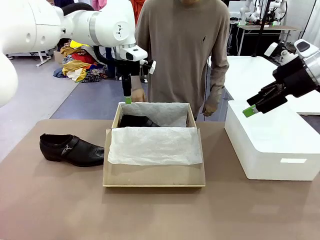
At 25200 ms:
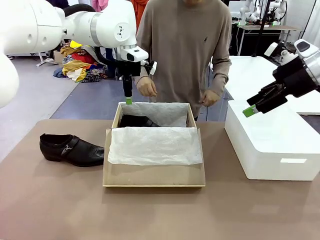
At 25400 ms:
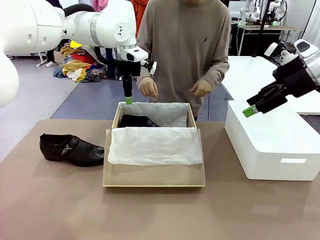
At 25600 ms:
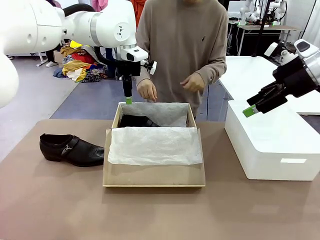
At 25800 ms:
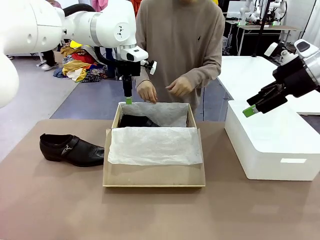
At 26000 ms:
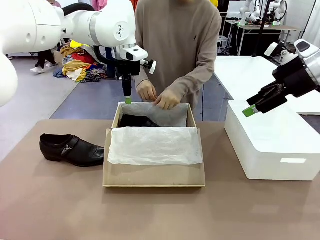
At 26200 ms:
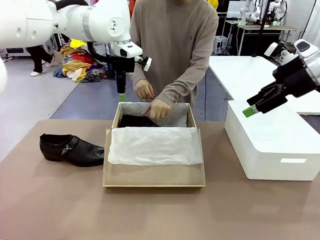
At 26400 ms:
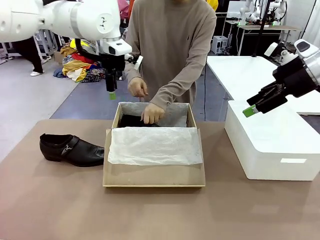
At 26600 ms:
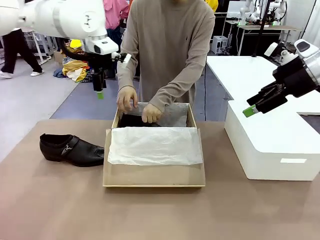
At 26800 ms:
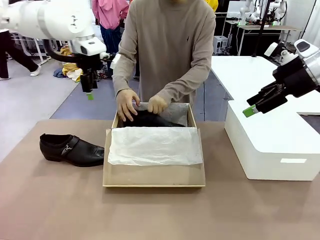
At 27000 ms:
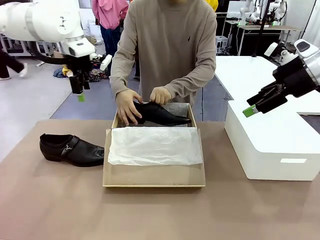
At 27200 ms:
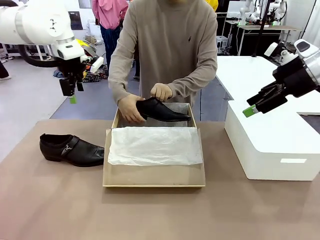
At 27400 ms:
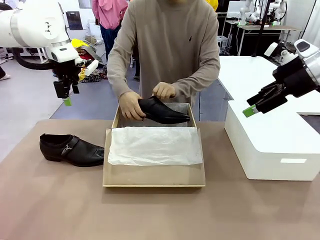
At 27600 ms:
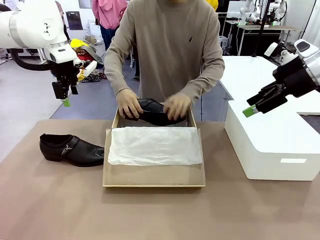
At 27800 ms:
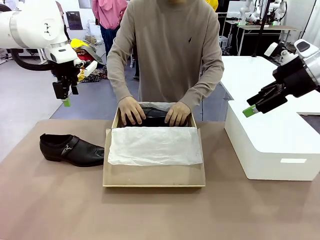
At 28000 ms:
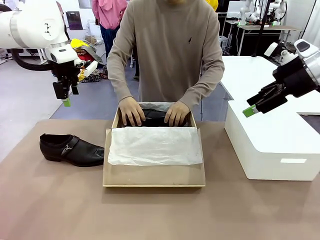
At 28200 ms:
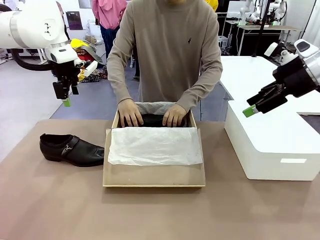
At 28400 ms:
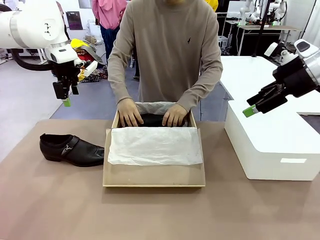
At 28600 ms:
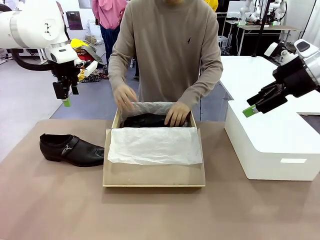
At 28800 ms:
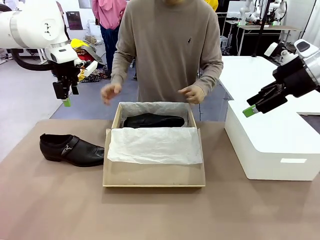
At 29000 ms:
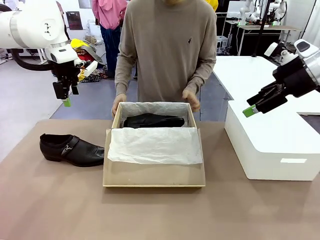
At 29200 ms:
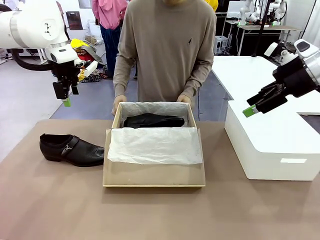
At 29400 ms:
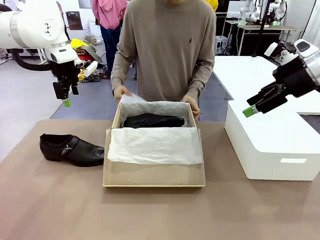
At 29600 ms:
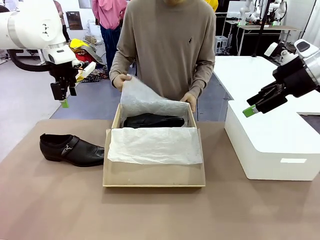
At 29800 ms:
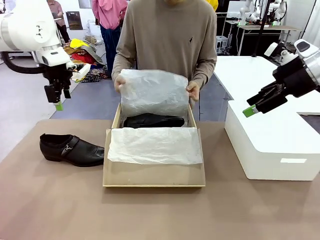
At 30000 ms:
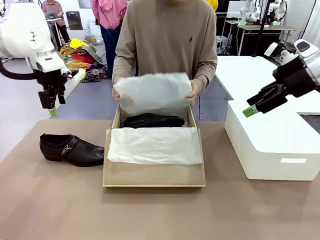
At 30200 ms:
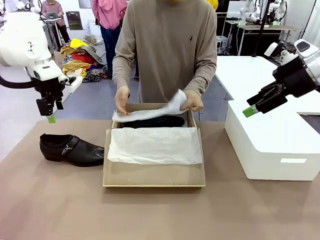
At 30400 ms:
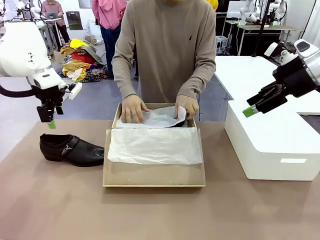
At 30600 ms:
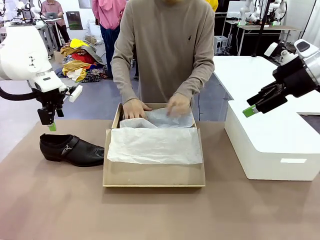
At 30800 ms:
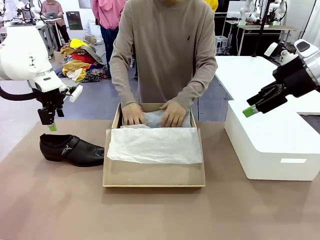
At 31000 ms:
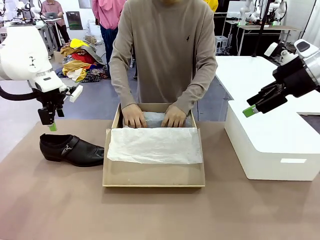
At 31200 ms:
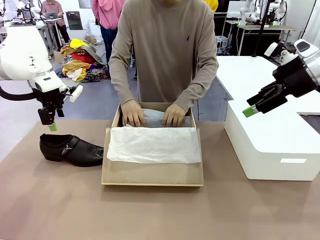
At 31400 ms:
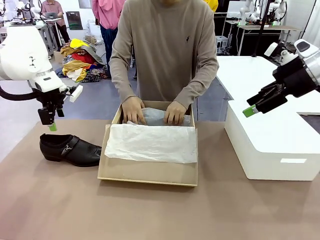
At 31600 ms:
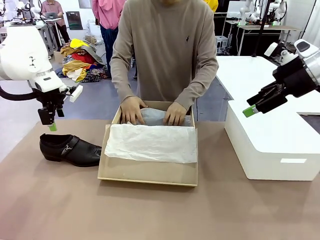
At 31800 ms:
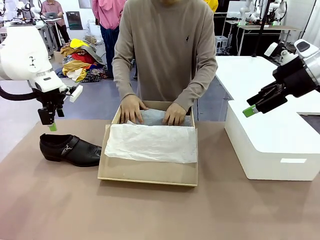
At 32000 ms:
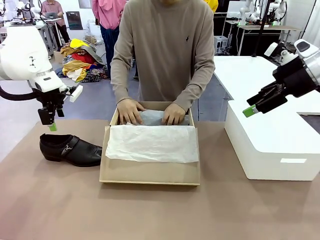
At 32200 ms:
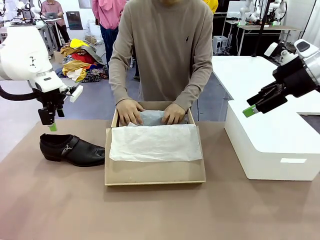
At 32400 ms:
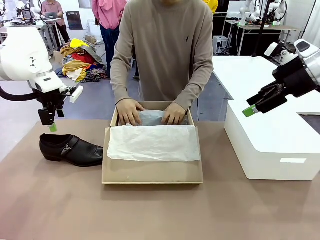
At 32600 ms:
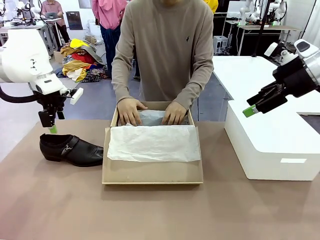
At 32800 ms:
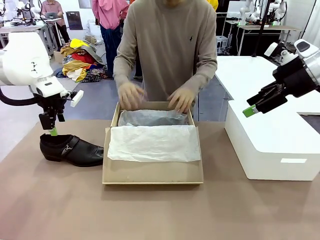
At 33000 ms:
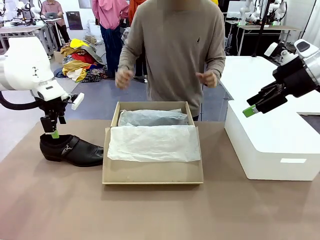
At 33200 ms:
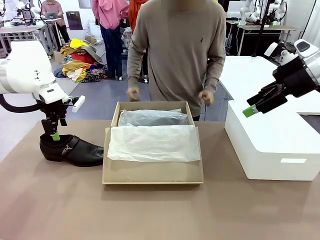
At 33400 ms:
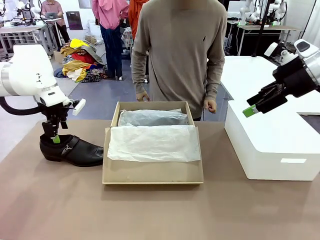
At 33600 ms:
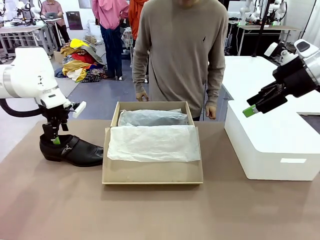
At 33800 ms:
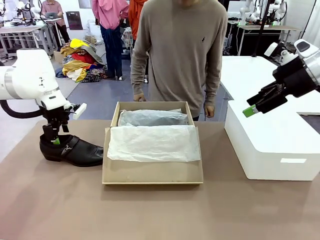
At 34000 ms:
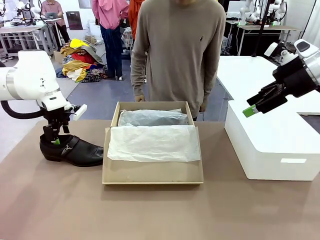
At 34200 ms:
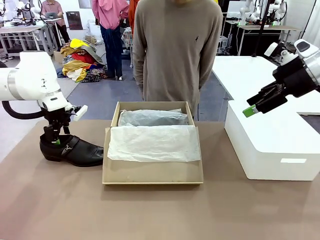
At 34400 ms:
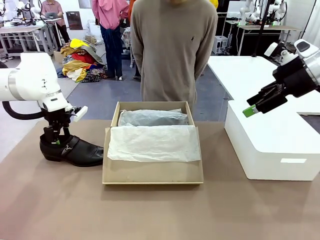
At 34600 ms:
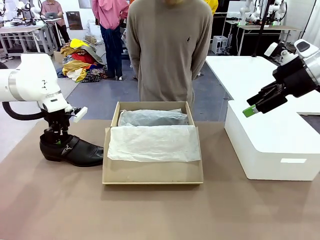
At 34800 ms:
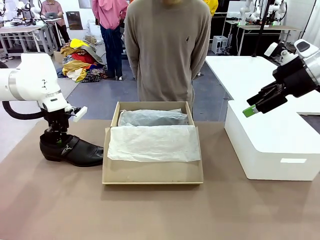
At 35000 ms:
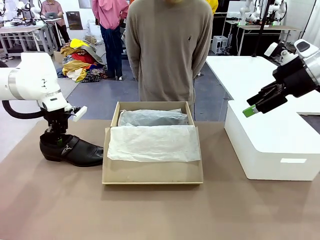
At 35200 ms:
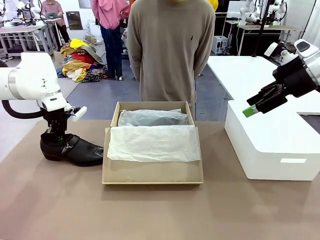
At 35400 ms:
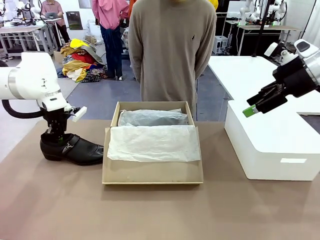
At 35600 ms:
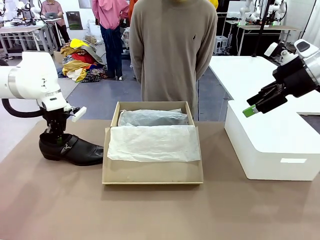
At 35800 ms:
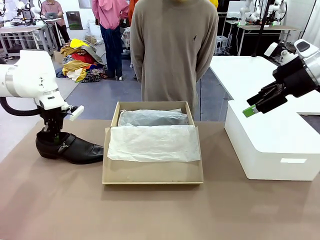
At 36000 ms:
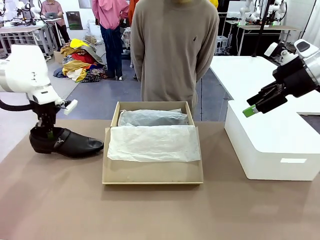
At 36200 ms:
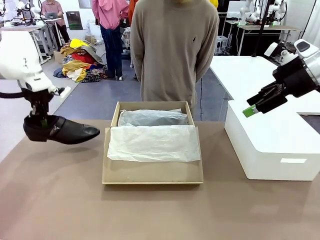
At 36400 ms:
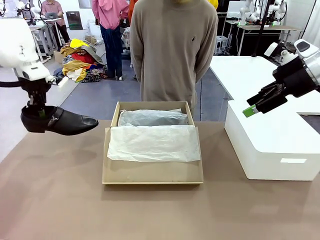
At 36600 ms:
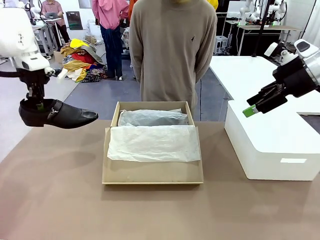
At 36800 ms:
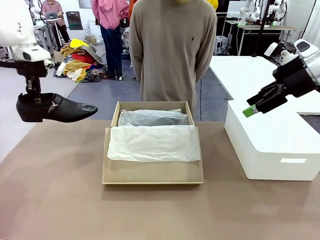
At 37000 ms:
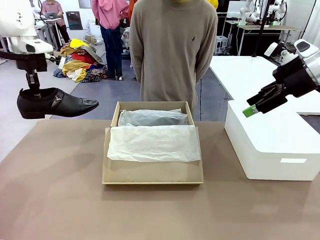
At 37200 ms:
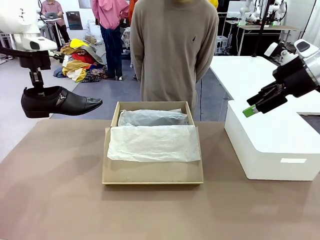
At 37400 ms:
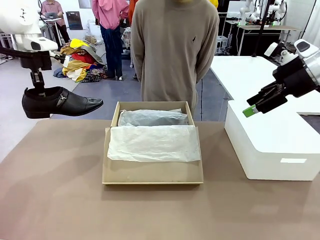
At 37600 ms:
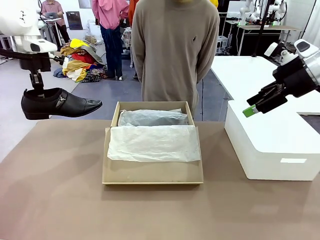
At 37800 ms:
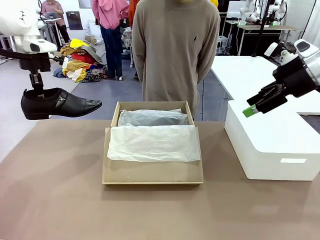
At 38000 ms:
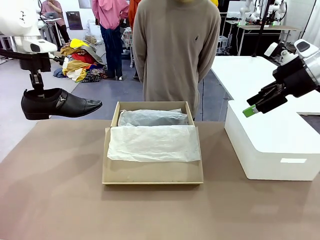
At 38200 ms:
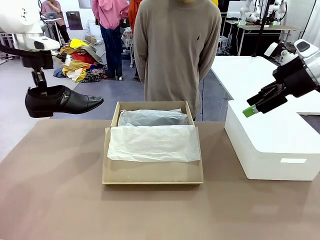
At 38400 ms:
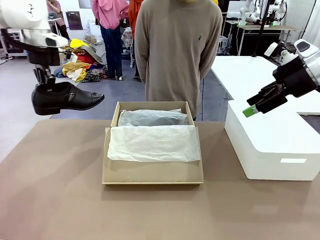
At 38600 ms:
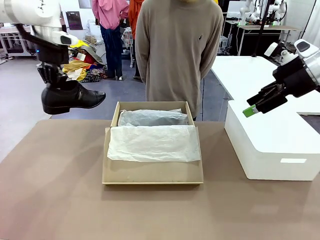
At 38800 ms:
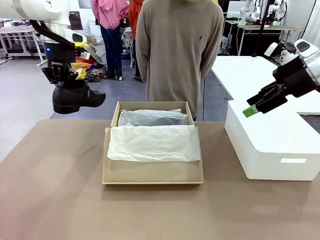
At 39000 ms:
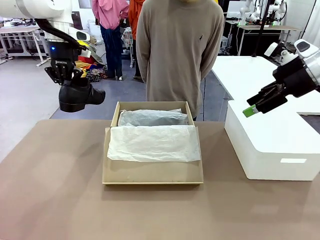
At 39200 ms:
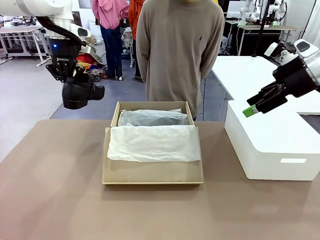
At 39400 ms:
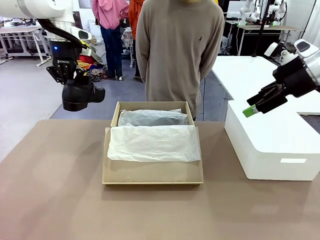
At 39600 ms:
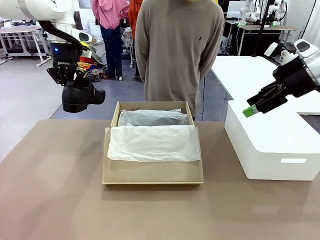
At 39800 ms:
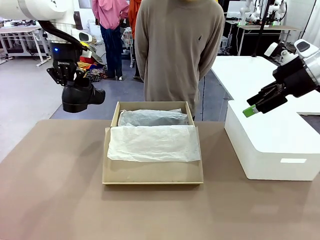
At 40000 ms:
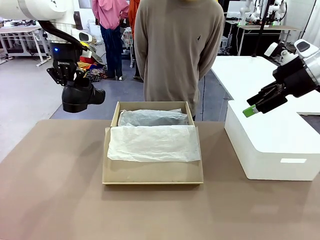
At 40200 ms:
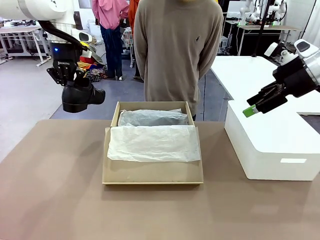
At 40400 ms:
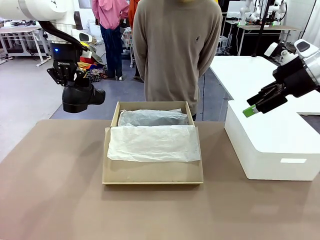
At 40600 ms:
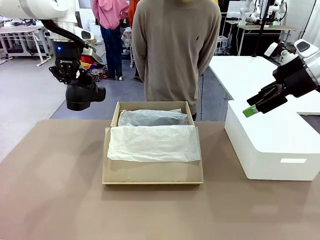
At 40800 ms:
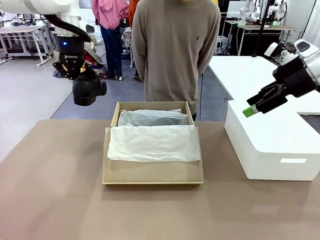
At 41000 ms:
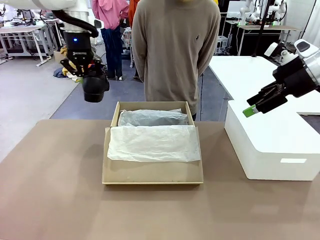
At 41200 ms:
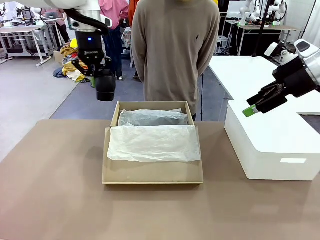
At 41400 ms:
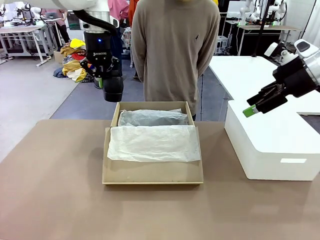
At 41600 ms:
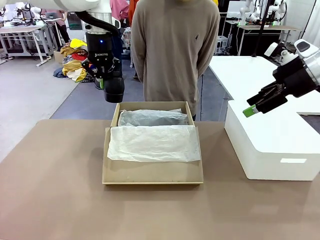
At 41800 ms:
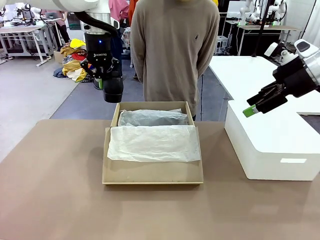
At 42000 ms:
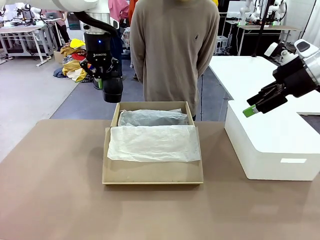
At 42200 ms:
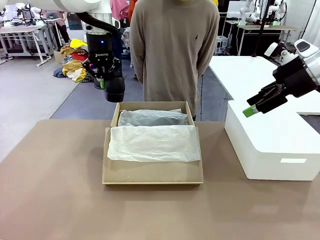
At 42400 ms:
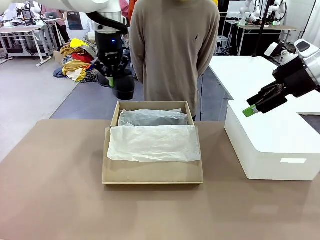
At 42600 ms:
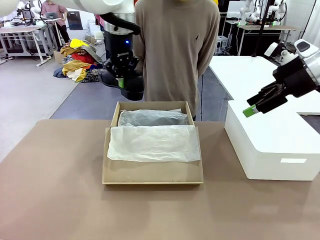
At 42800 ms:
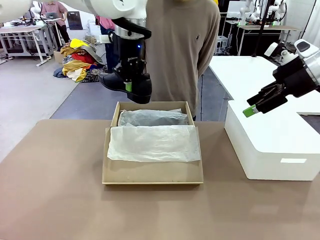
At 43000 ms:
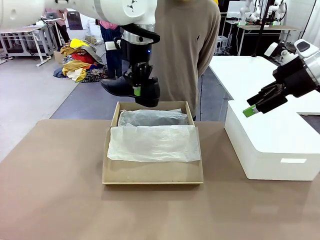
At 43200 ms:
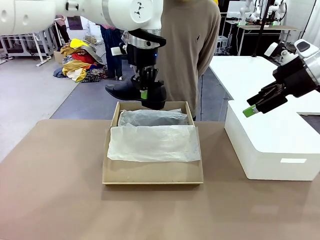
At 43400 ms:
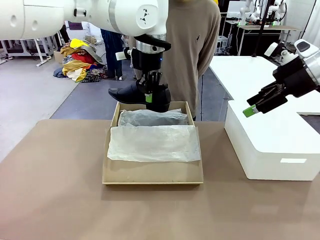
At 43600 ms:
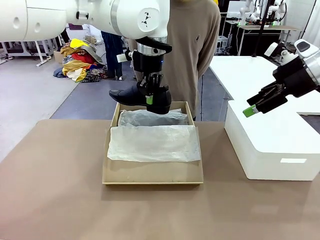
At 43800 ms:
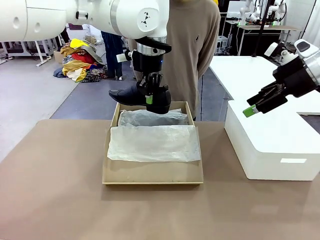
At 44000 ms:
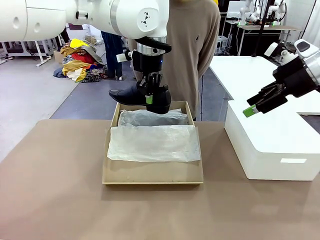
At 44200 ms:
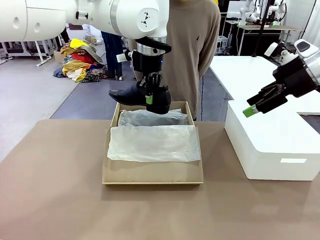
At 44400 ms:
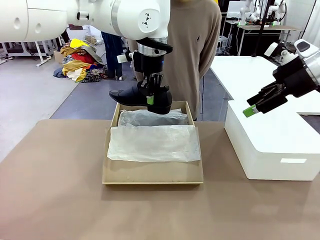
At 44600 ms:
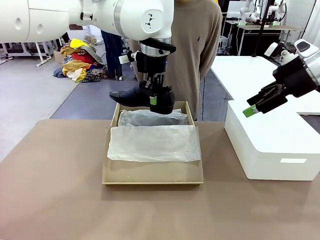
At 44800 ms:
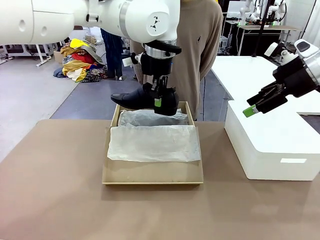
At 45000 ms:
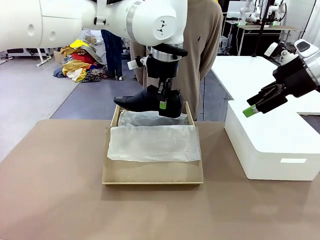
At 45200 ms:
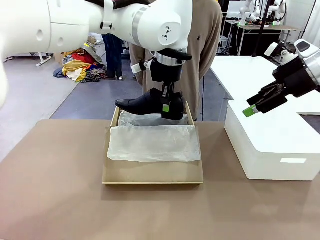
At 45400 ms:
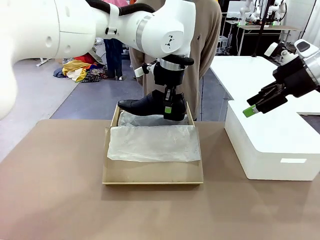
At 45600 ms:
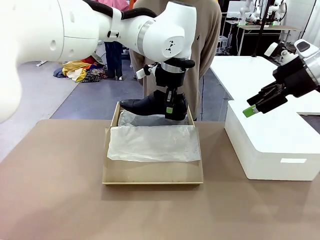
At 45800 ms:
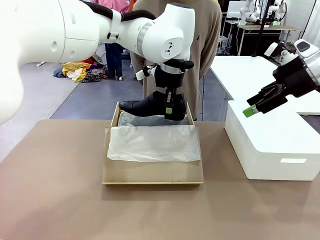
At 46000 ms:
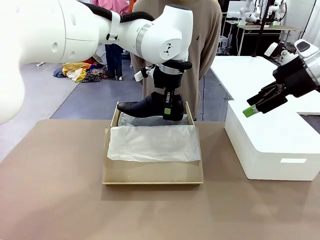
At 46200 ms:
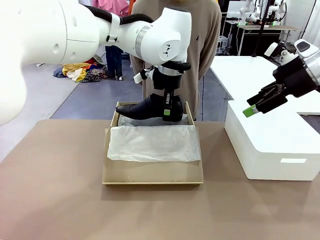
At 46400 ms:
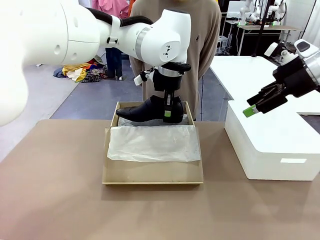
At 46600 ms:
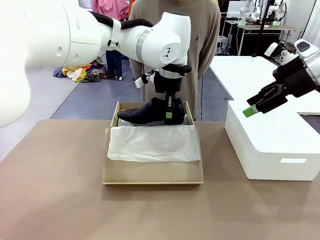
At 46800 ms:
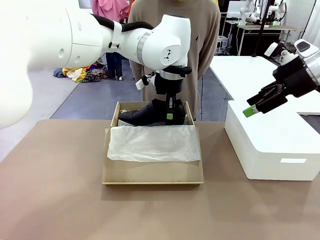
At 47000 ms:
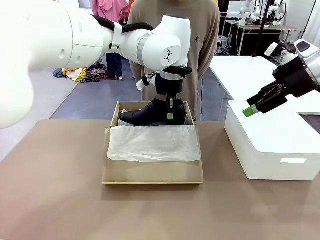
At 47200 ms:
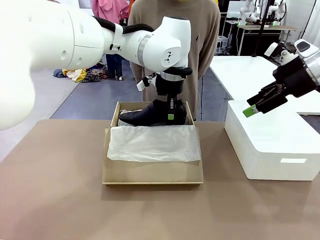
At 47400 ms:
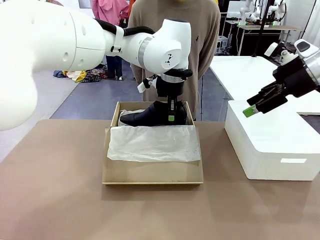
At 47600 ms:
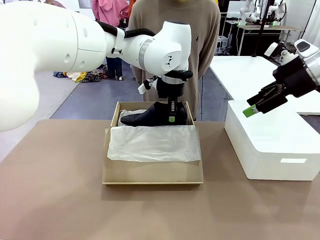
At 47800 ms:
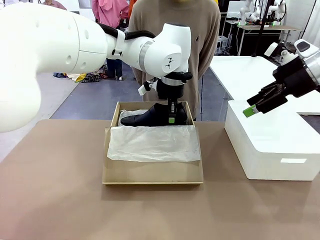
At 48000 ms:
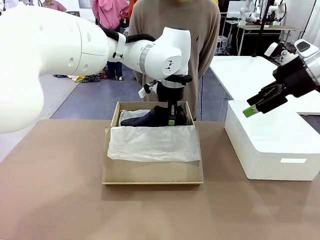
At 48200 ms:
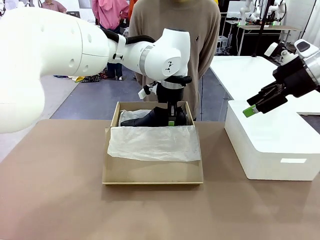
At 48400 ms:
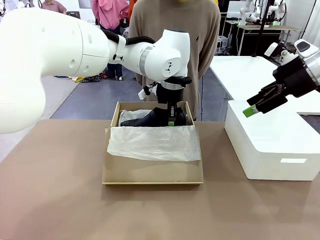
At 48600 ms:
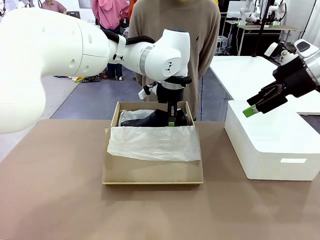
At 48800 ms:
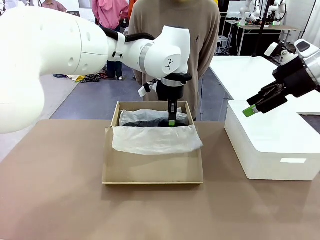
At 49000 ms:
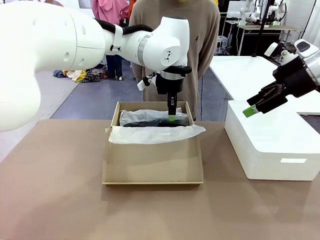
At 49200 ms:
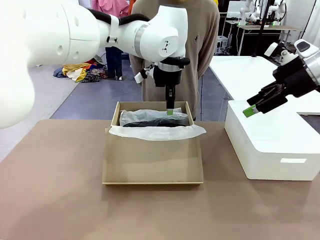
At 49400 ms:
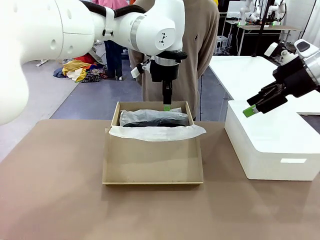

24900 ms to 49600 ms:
Task: Pack the shoes into the box.
Robot: Place the other shoe of the Shoes into the Shoes Box.
Person: Pack a shoe of Shoes inside the Shoes Box with Shoes Wrapping Paper.
